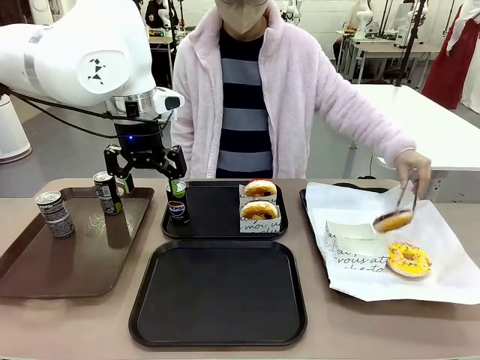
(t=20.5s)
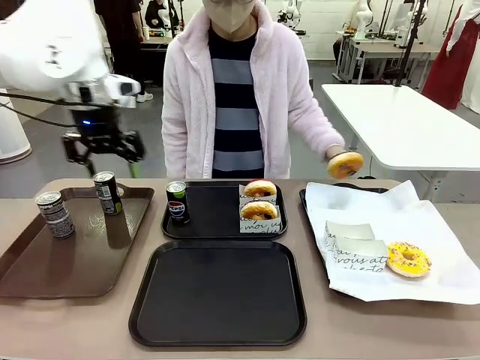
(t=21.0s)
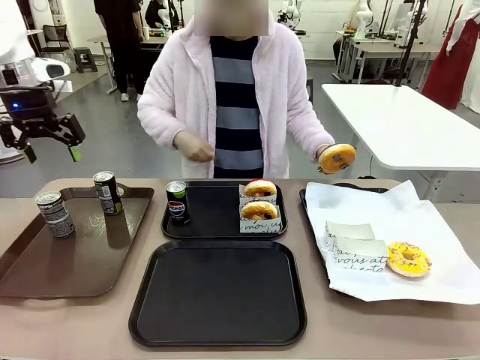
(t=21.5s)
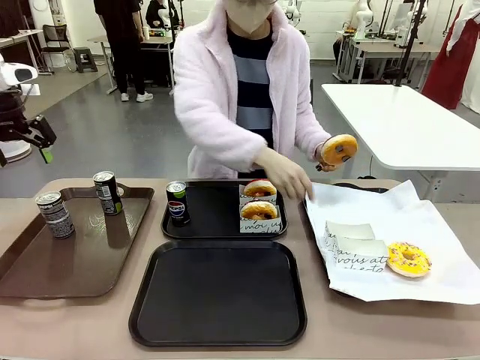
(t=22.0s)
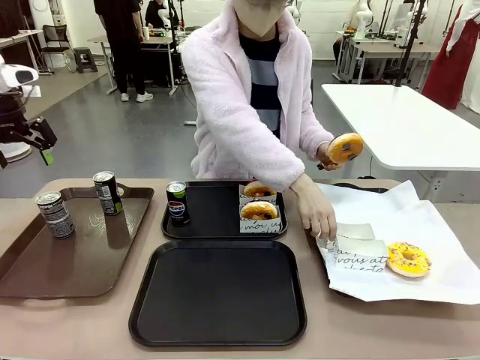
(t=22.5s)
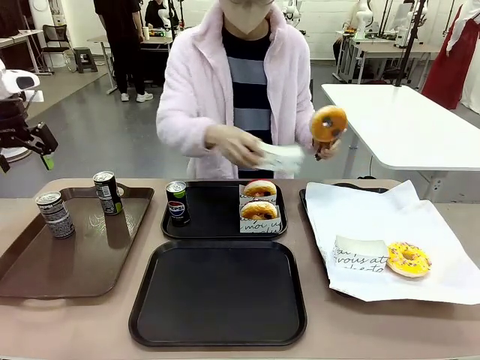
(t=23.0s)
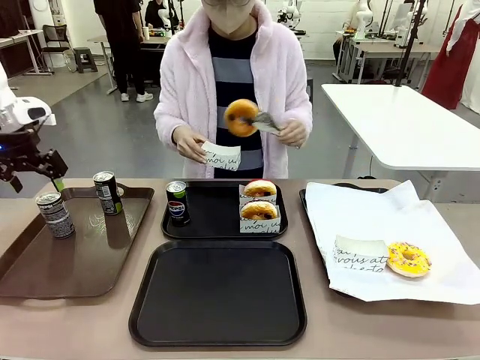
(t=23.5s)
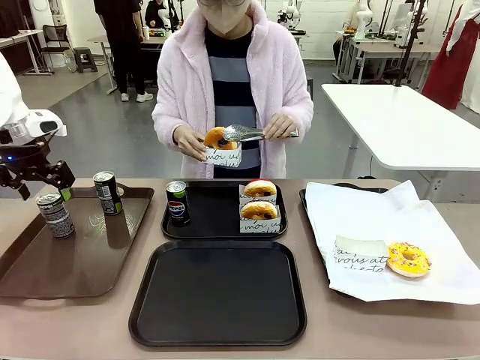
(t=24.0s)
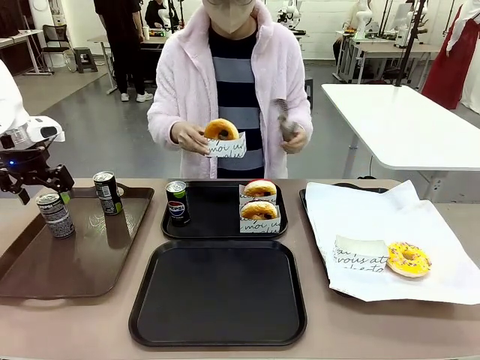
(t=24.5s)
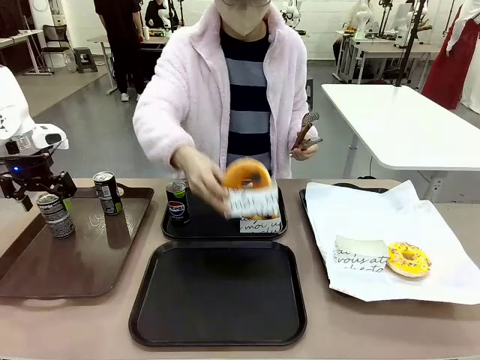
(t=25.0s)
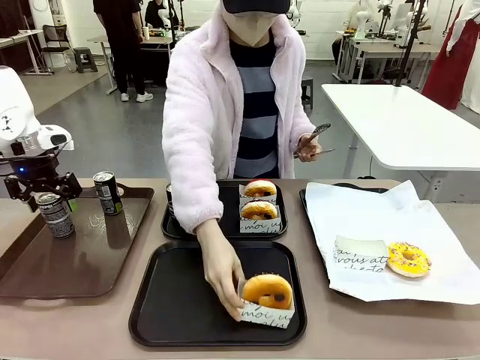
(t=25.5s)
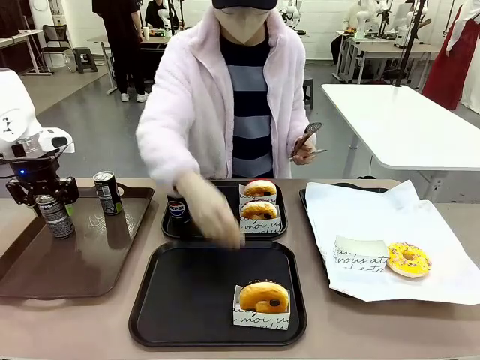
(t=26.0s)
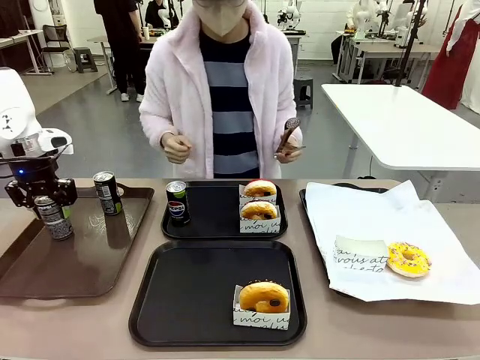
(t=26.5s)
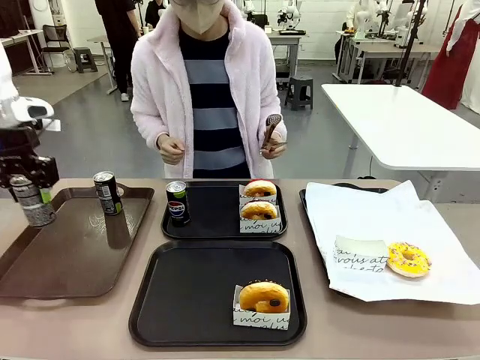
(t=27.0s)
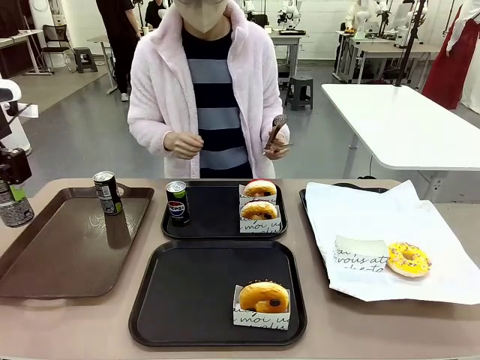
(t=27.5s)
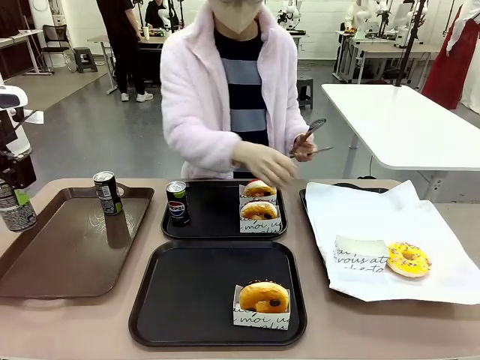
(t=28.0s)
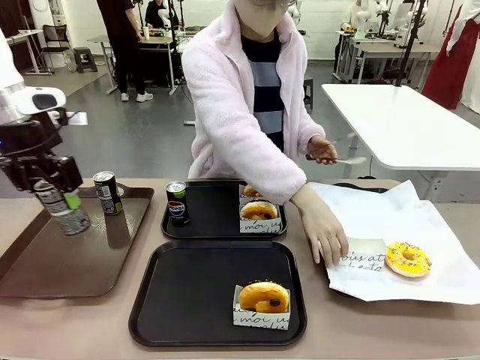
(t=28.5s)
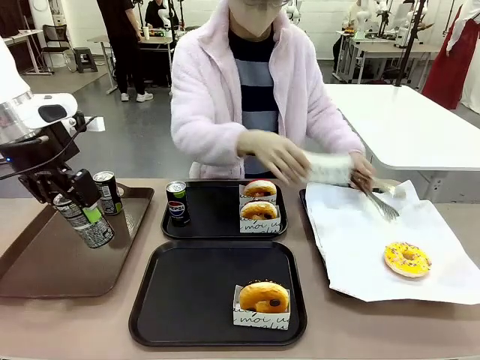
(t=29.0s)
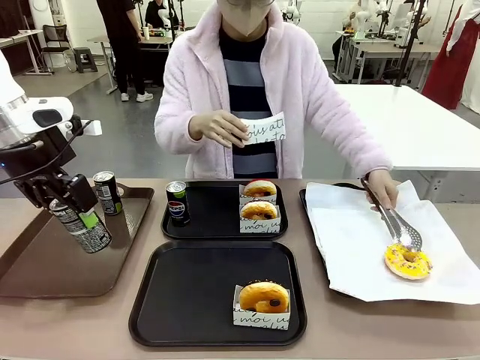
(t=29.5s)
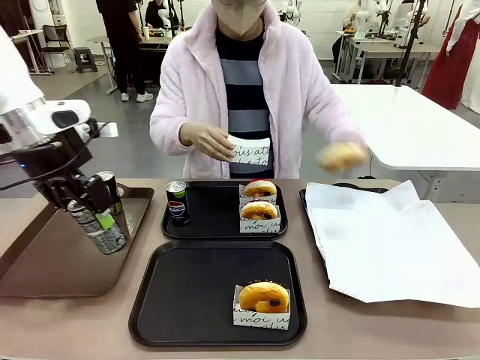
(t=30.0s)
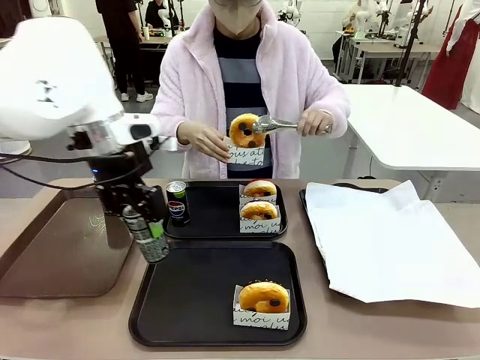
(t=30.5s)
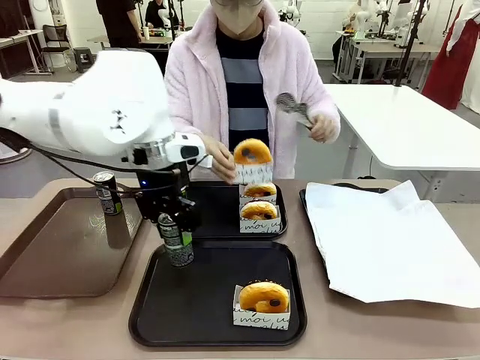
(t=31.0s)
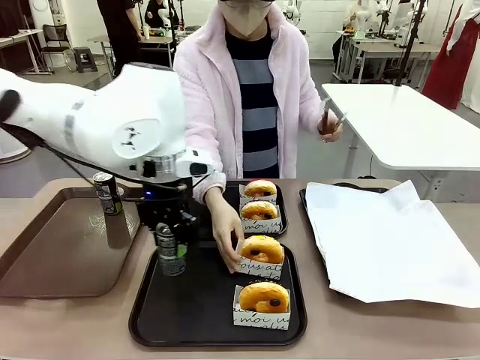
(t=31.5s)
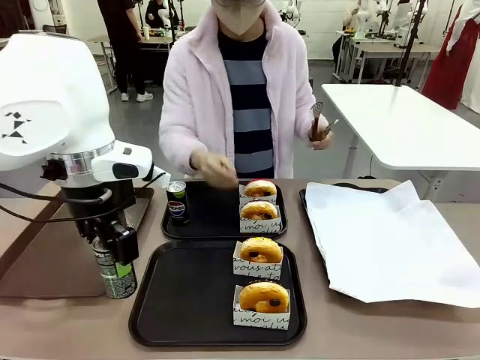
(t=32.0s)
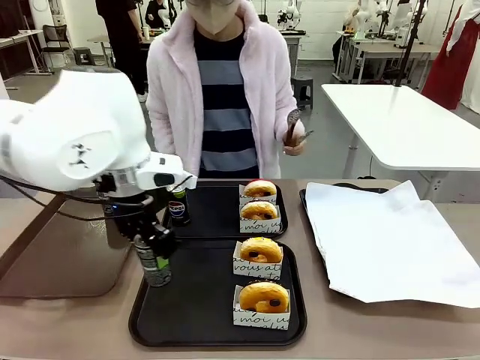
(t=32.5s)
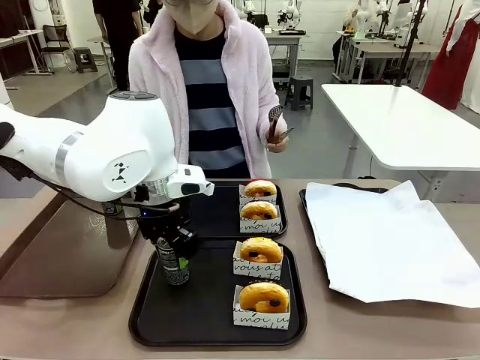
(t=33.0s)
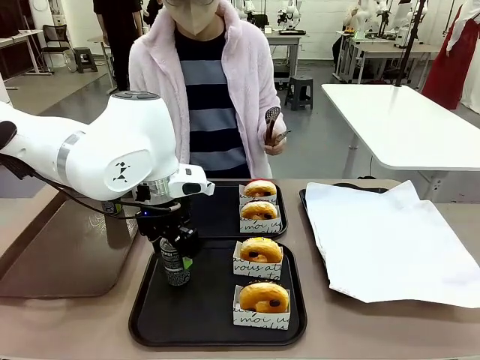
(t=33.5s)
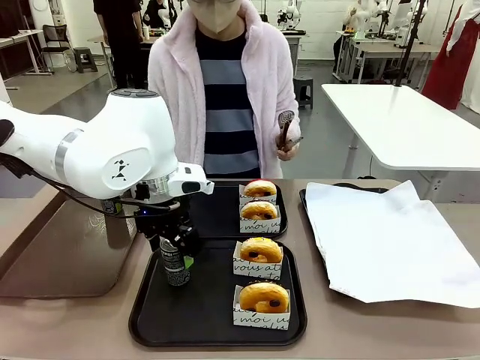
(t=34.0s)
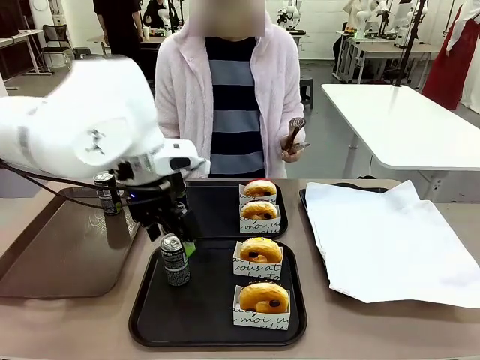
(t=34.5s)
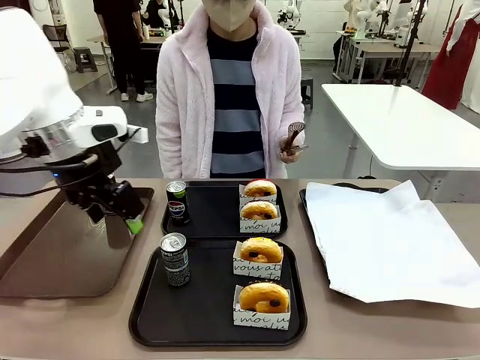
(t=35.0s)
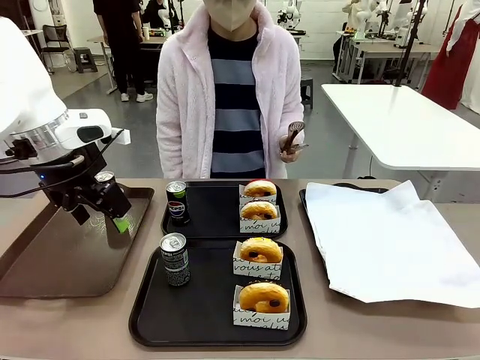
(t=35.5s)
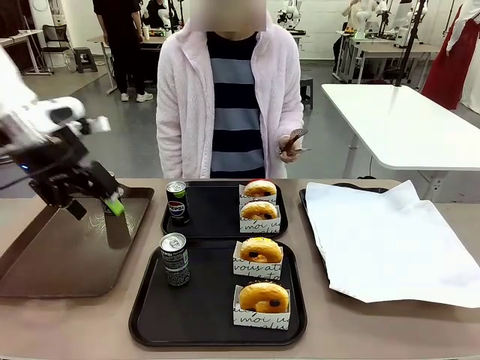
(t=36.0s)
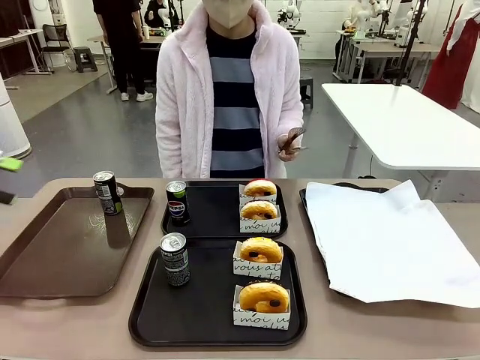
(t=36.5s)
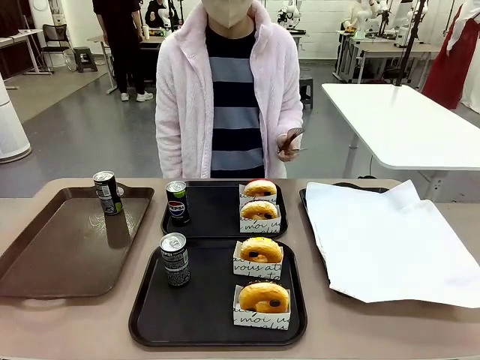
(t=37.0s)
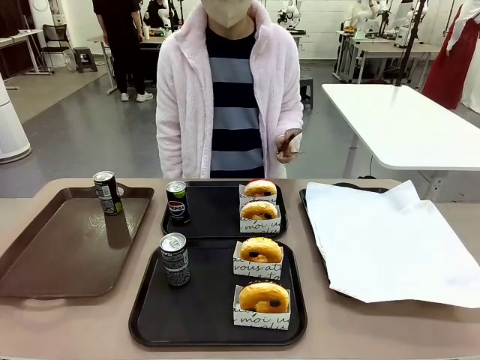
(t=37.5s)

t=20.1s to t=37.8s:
Task: Set up donuts and drinks on trays.
Robot: Pick up one Pepsi coke from the Handle tray and place it on the Flat Tray without a Pepsi coke.
